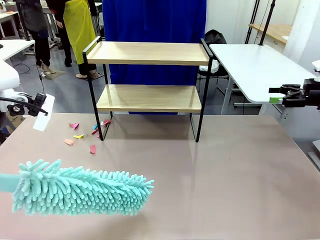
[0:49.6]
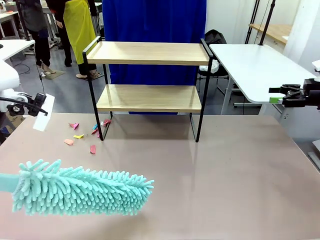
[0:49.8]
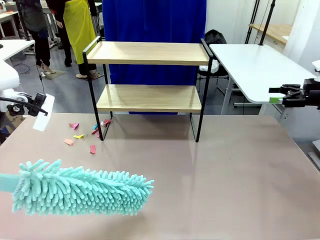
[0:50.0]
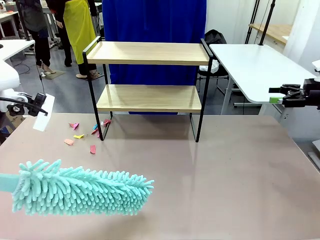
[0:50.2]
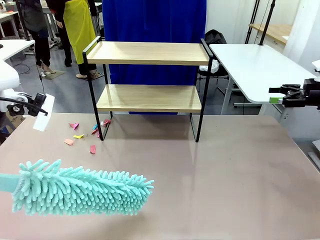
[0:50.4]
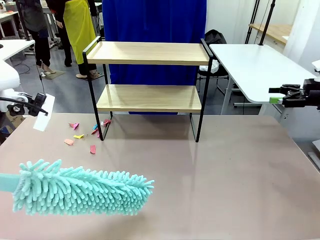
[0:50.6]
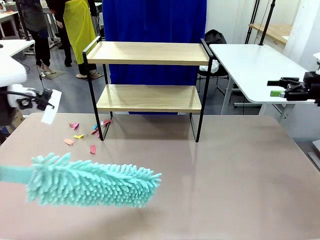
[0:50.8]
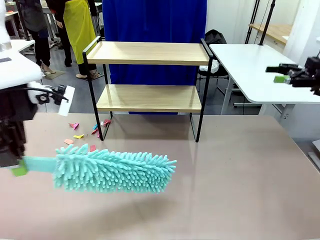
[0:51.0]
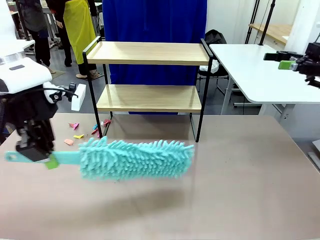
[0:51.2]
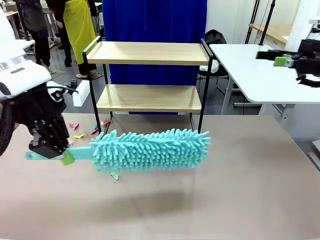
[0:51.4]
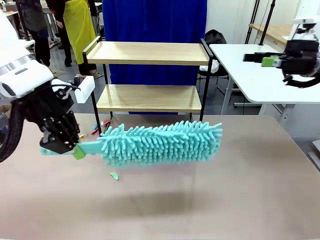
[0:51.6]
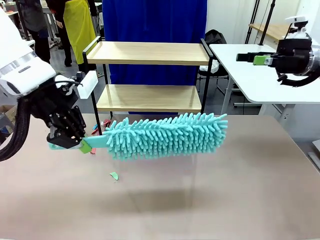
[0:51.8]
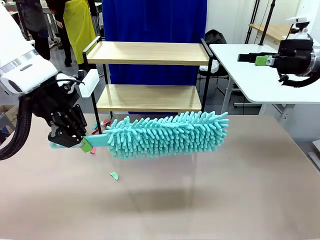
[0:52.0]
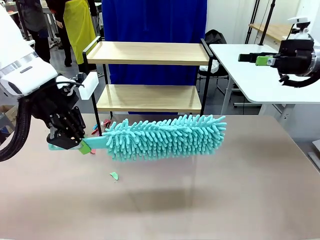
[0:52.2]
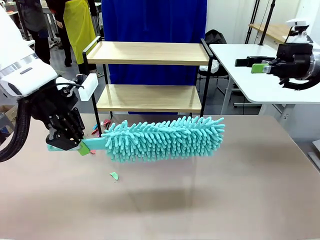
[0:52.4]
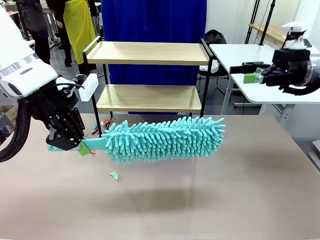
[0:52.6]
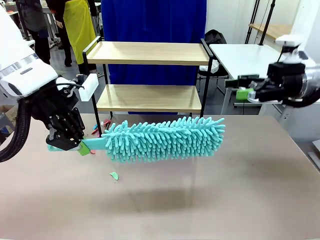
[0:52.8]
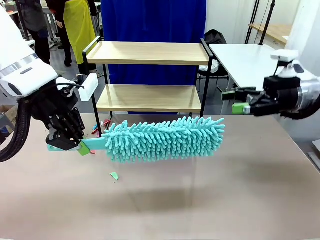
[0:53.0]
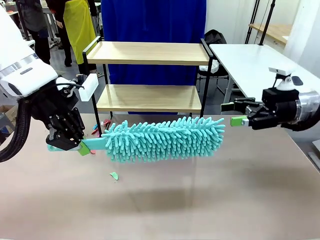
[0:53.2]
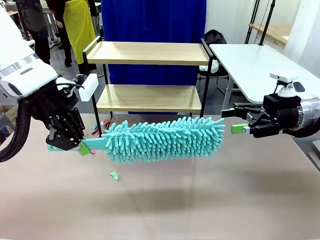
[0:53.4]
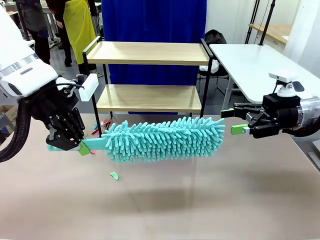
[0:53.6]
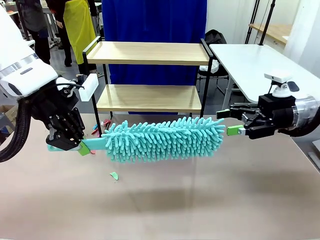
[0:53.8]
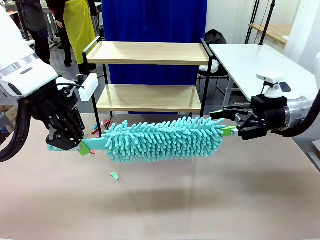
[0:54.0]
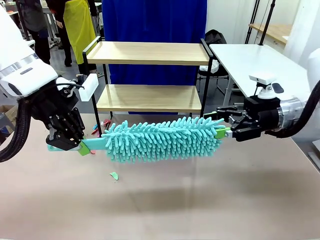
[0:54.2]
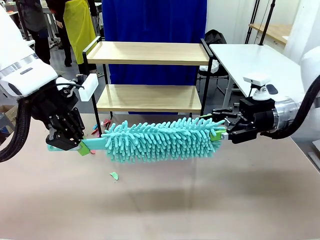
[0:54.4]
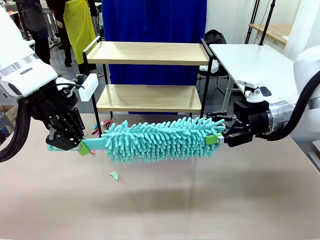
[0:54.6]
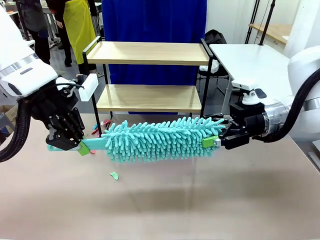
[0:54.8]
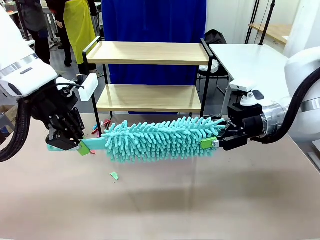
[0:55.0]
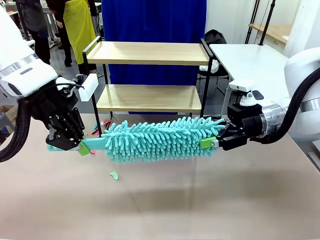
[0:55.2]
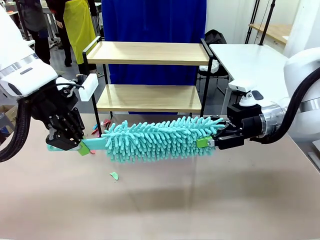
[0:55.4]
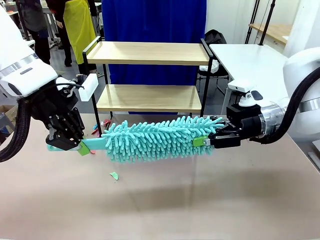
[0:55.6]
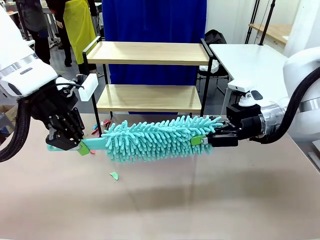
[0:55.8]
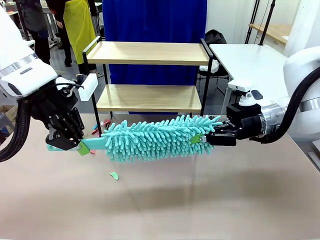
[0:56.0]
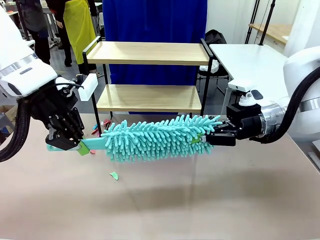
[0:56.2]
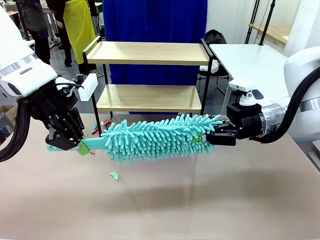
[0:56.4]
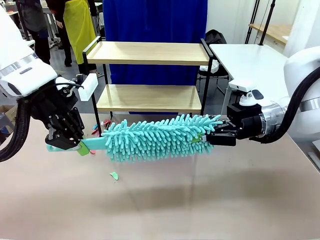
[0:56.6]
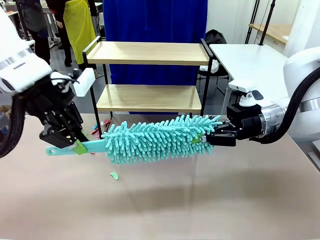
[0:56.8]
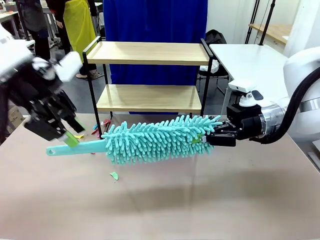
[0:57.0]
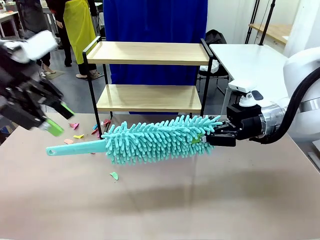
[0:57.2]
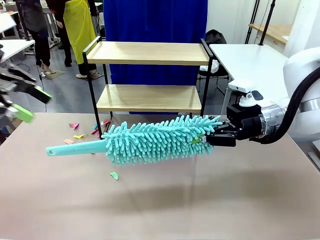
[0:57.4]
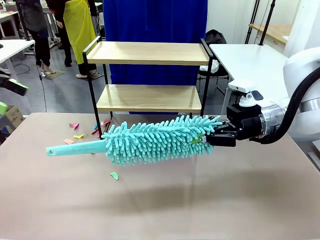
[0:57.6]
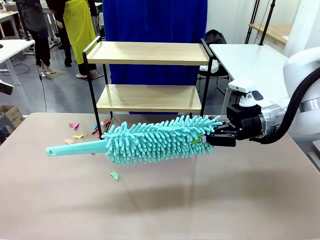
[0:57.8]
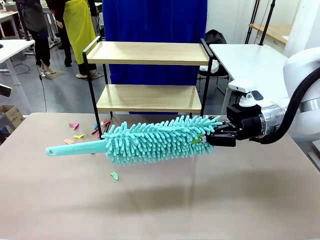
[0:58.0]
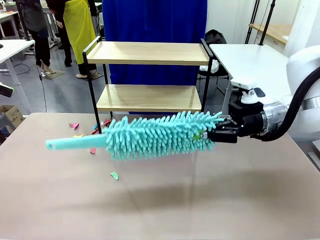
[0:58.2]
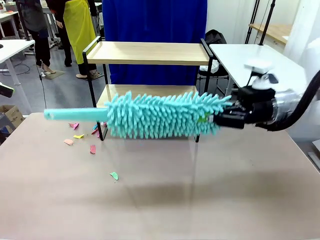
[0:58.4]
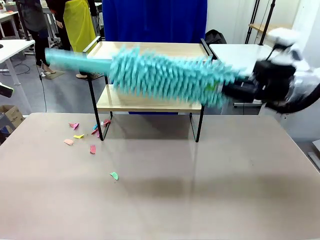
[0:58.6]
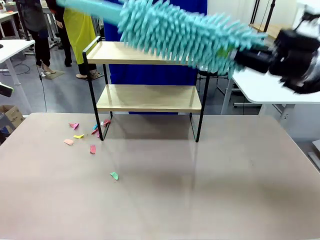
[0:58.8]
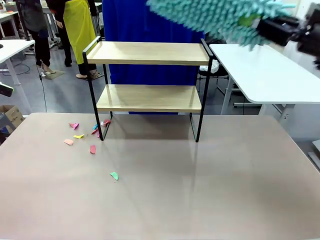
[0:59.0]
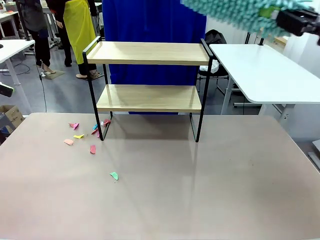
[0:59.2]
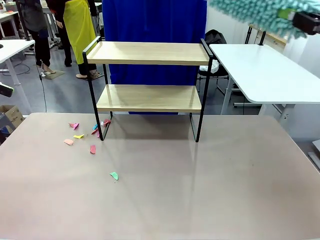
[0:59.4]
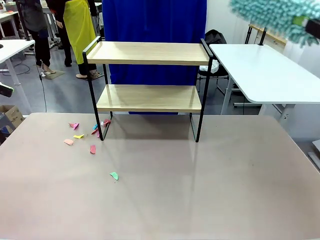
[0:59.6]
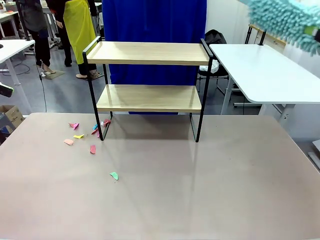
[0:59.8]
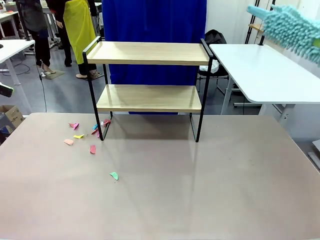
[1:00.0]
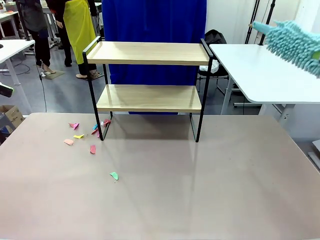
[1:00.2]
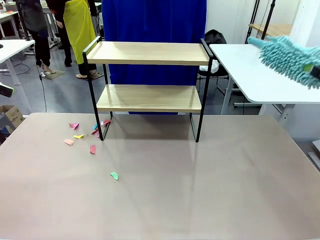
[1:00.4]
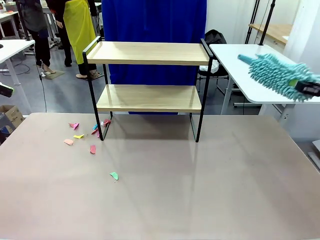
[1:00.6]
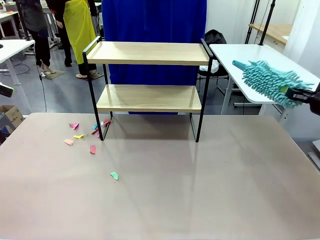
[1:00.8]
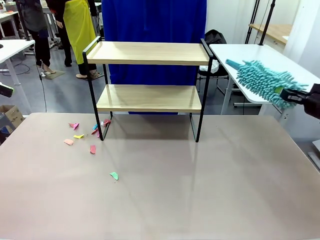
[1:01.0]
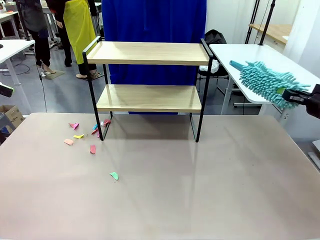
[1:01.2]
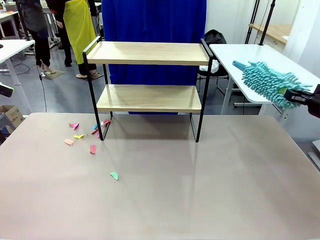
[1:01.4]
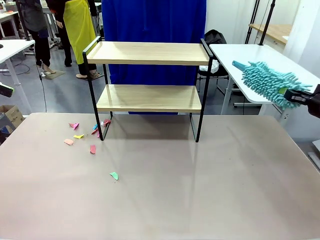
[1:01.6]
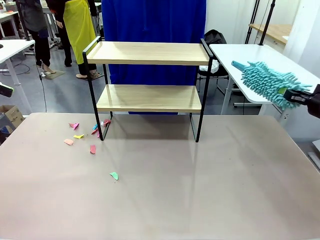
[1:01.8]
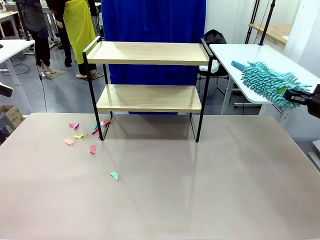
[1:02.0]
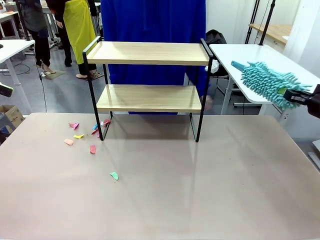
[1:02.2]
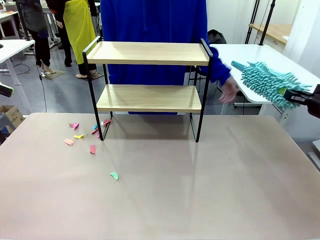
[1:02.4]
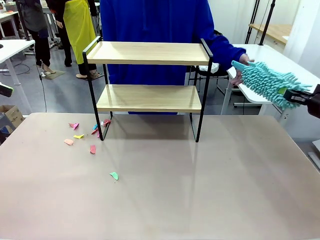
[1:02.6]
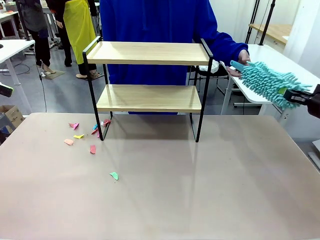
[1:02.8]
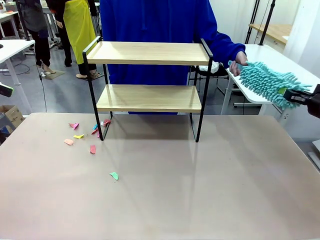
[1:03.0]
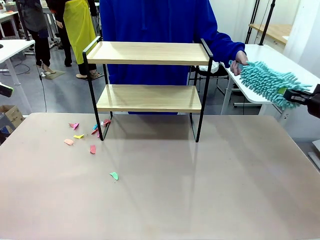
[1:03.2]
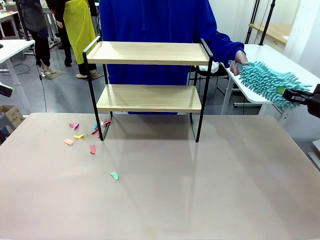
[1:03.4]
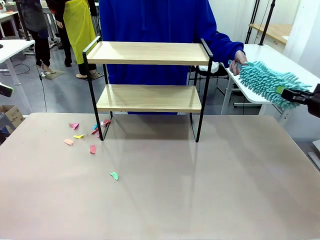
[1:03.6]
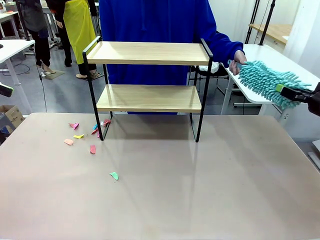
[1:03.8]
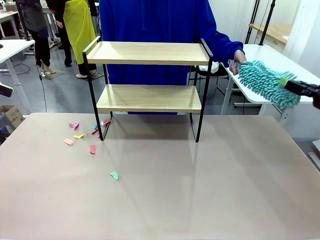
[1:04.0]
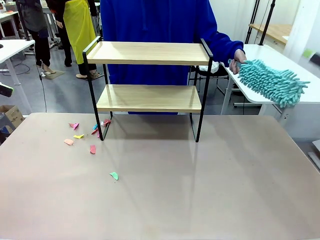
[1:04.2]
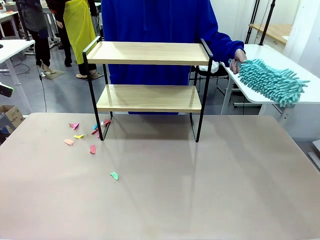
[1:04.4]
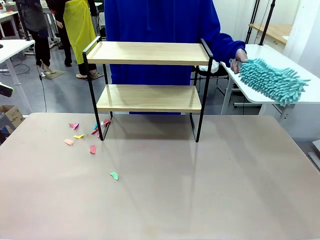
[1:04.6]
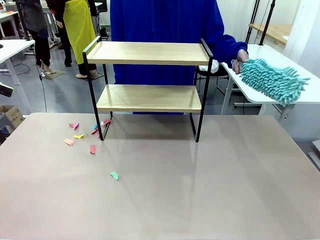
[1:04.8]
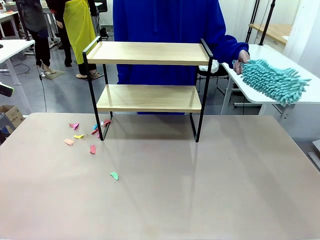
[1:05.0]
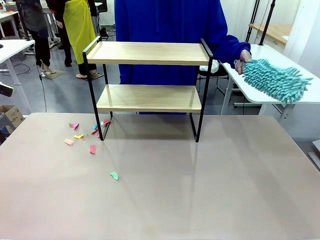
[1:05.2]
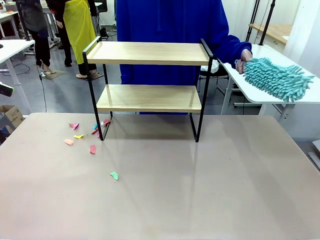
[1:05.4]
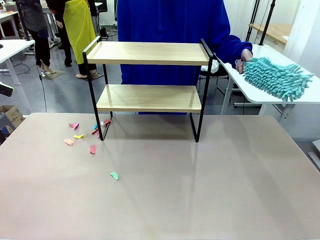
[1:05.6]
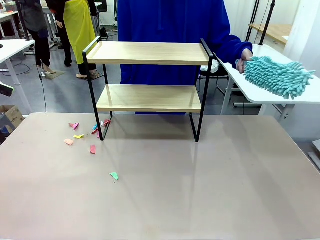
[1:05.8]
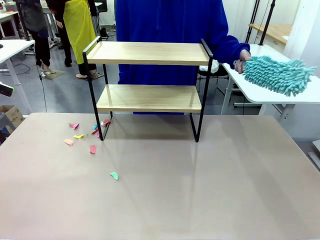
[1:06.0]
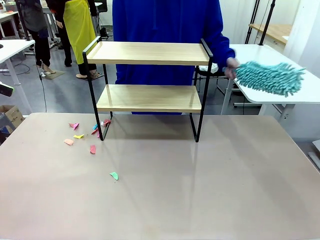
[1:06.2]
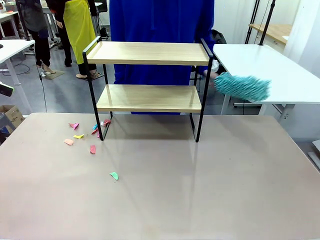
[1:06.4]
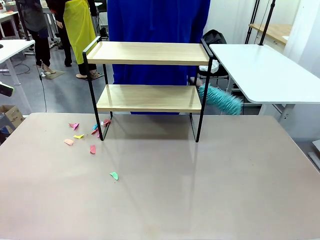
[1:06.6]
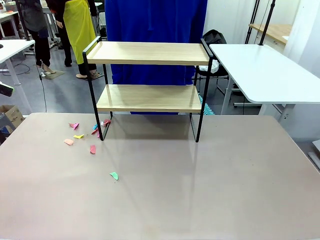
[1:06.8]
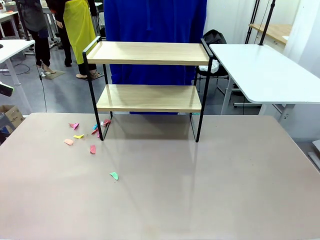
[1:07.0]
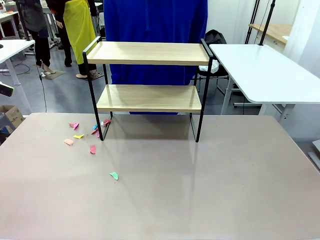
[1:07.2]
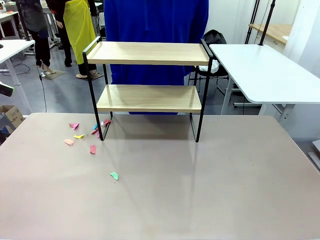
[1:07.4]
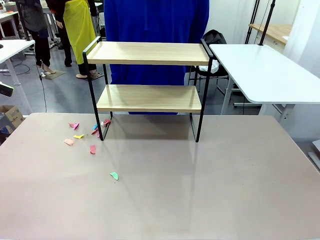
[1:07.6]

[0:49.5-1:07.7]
Task: Clean the shelf.
Robot: Hand the Duster back to the human.
Person: Receive the Duster from the robot.
